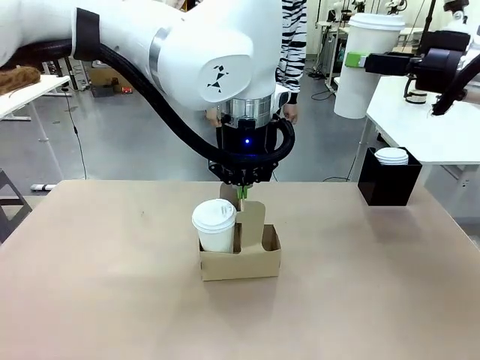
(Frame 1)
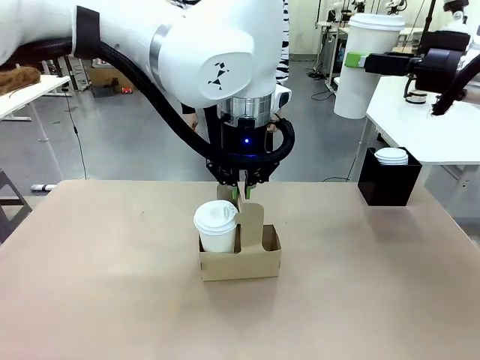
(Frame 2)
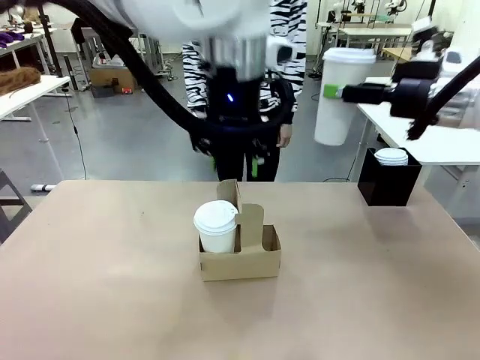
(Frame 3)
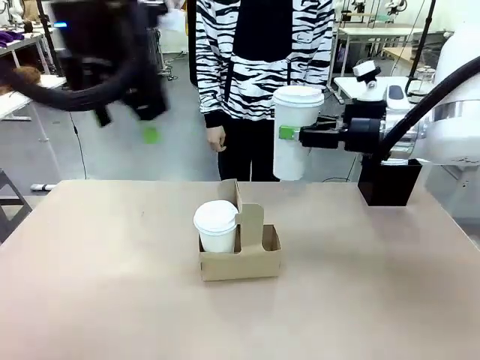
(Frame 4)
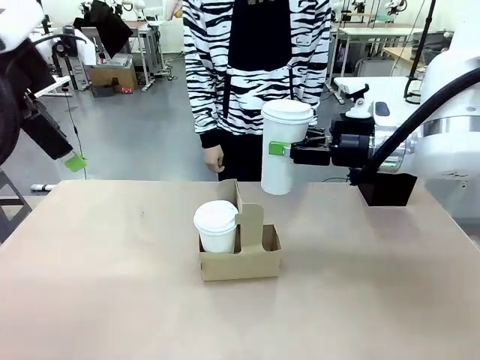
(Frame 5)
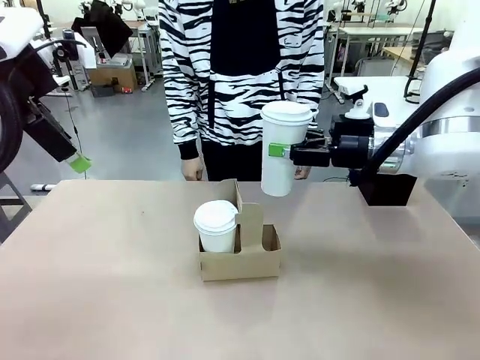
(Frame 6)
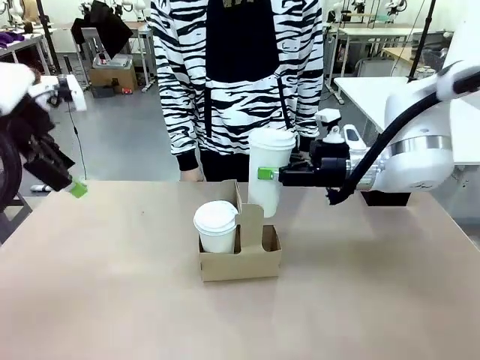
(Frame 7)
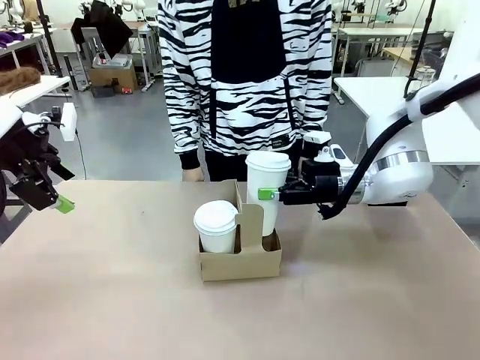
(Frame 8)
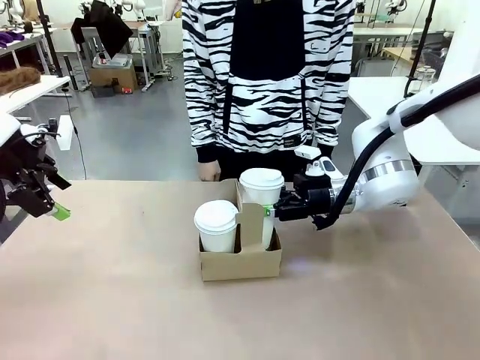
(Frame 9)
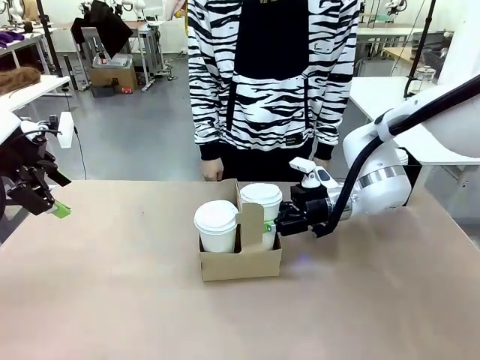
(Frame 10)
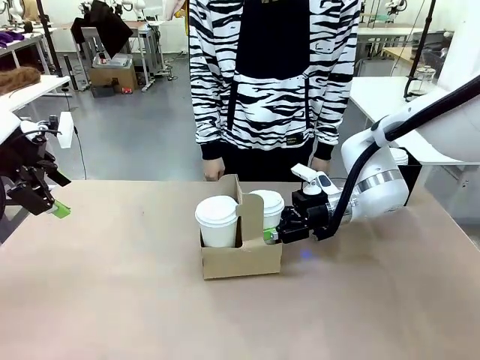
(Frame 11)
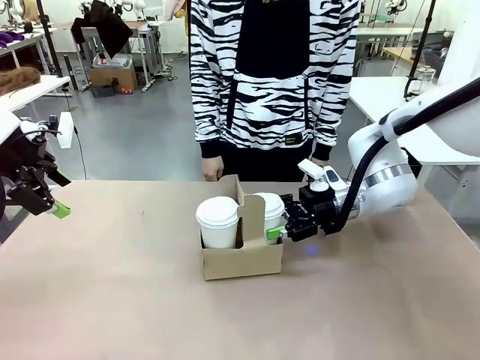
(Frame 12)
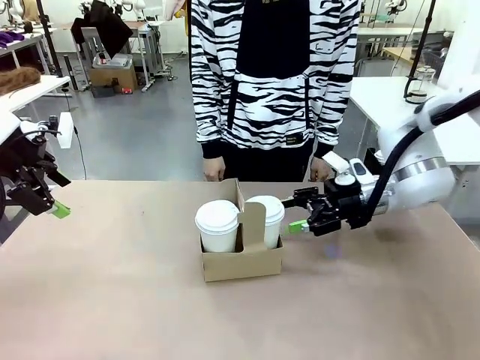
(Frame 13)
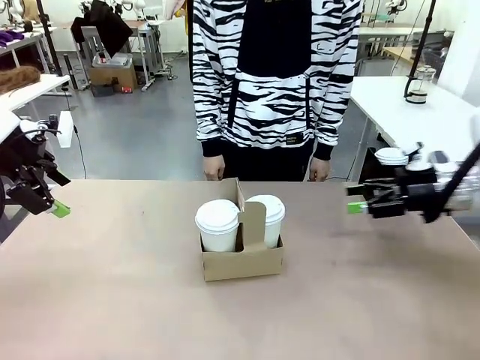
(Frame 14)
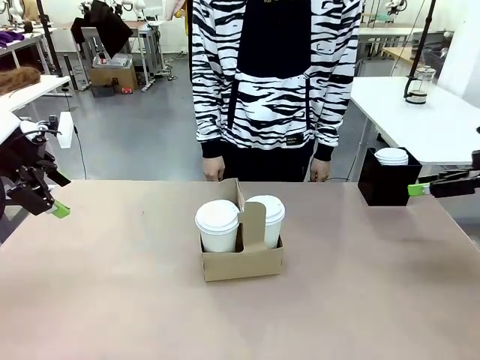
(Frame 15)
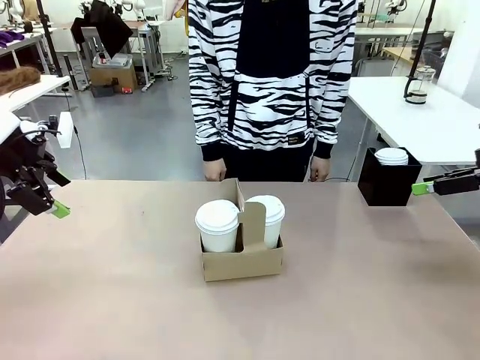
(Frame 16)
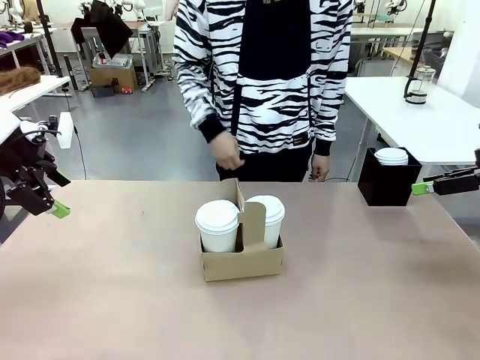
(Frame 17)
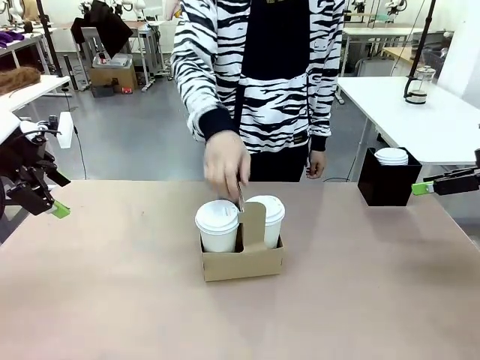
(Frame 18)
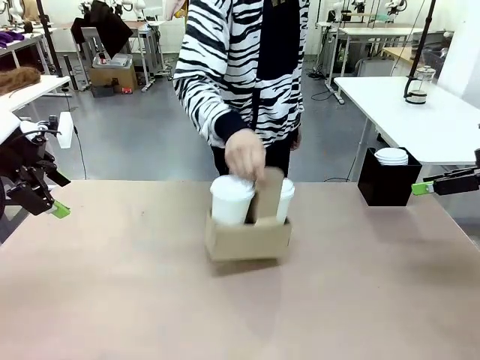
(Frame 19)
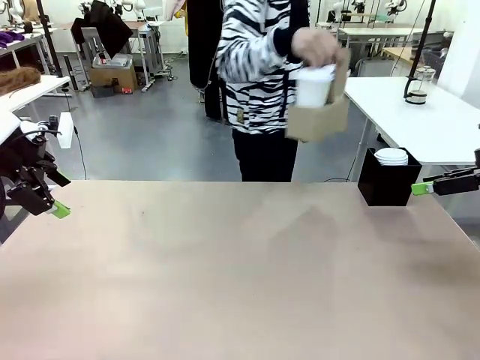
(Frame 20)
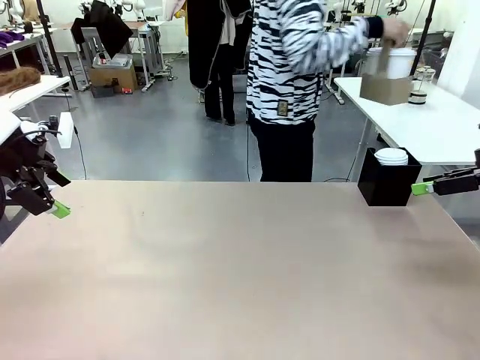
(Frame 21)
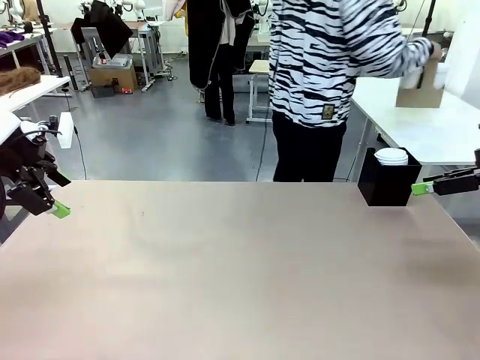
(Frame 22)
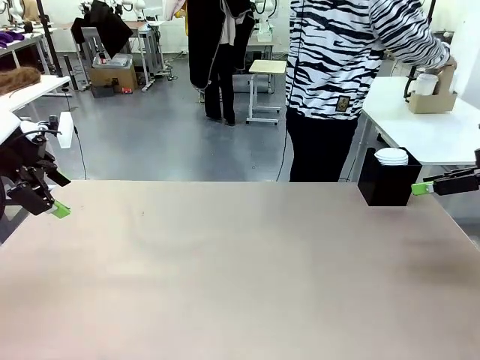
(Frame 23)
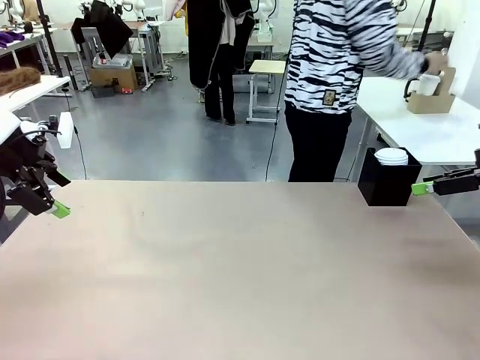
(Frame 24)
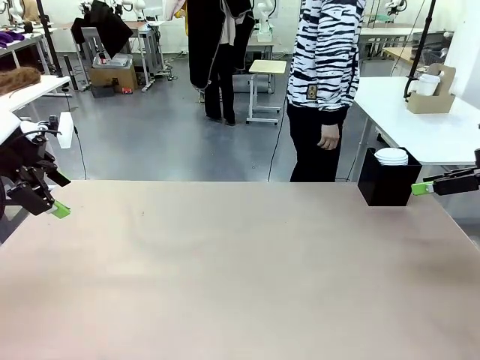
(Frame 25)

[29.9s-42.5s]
Task: Pour a drink into a cup and package it in a carrier.
Robot: Insert the held 600 ml Paper Cup into the Cup Carrier.
Person: Place the Cup Carrier to the middle of Human table.

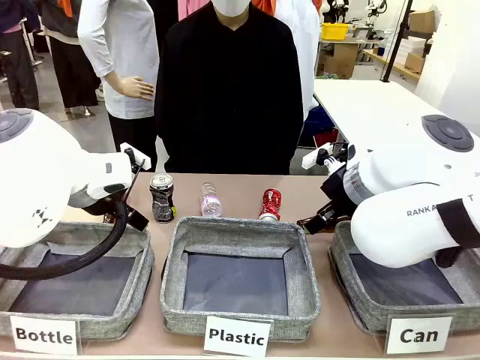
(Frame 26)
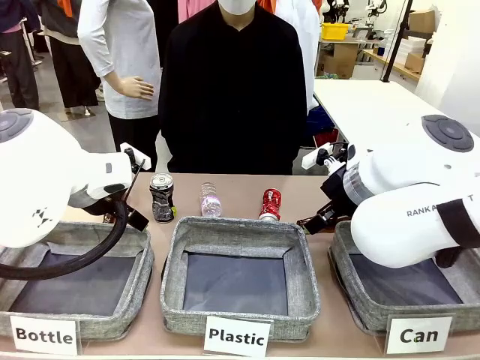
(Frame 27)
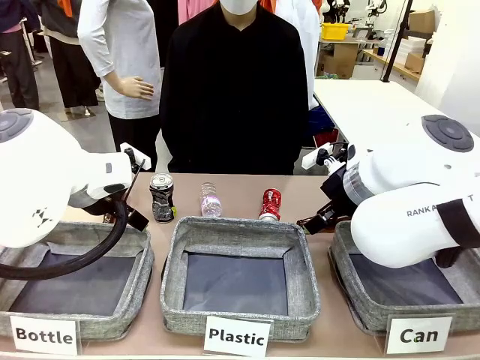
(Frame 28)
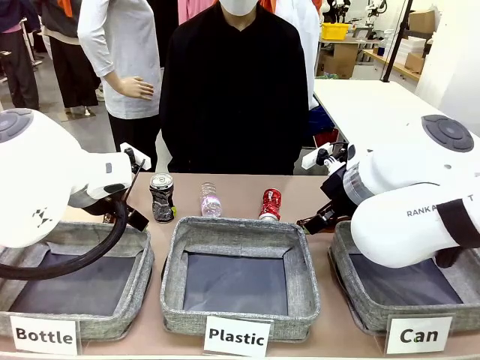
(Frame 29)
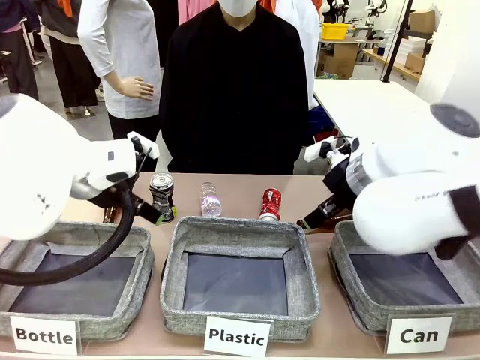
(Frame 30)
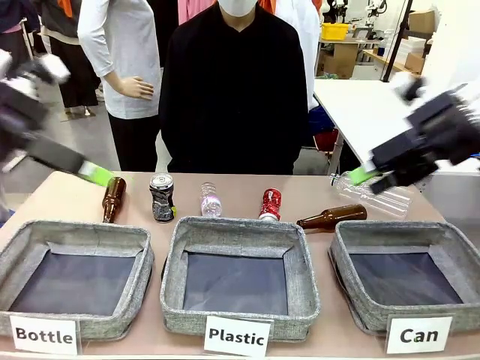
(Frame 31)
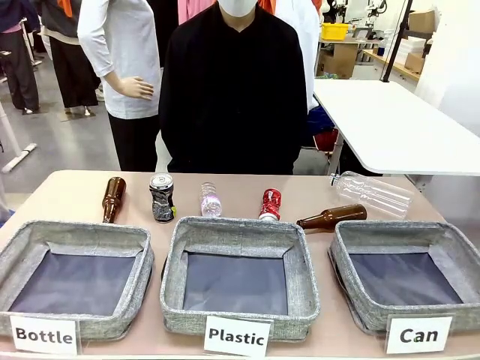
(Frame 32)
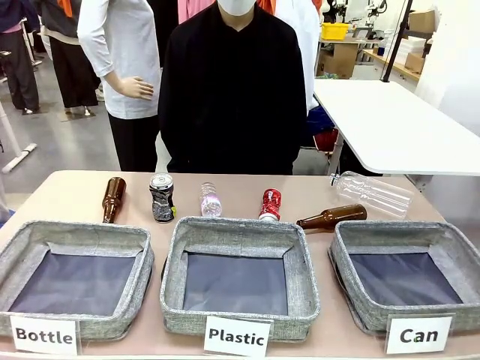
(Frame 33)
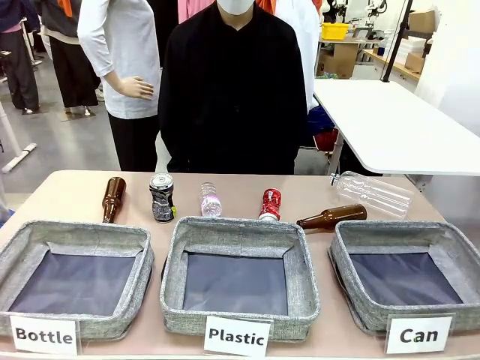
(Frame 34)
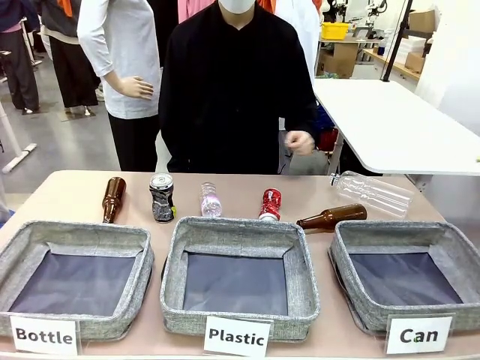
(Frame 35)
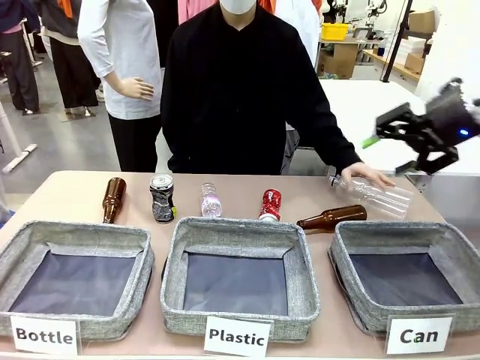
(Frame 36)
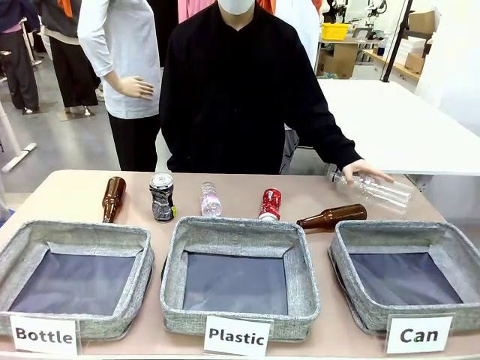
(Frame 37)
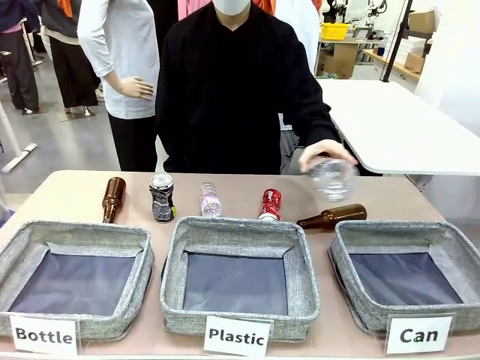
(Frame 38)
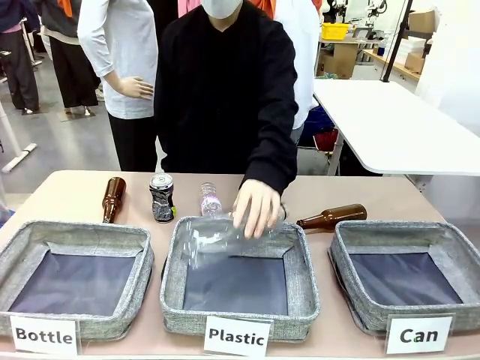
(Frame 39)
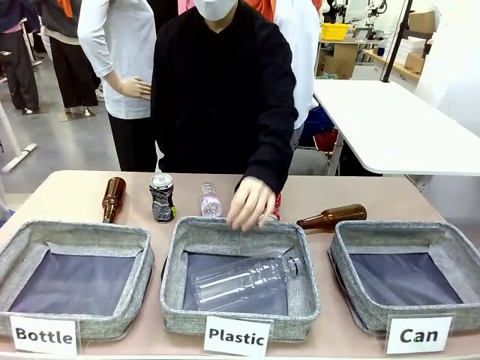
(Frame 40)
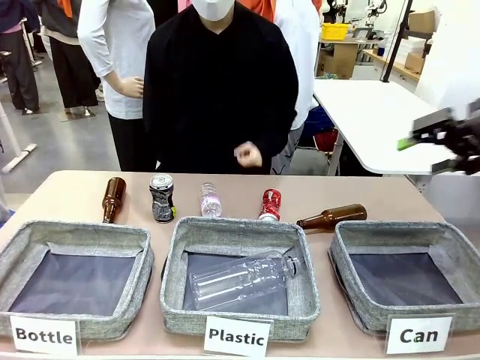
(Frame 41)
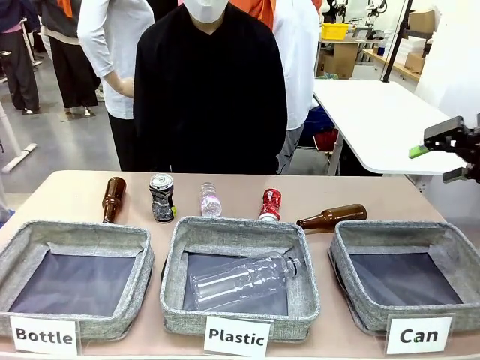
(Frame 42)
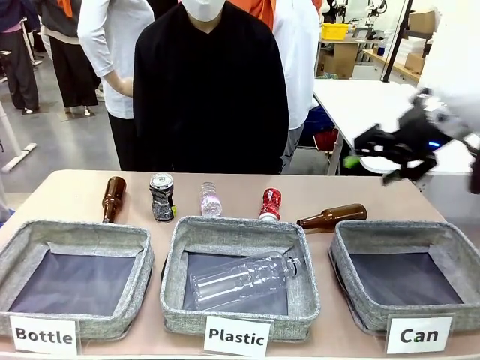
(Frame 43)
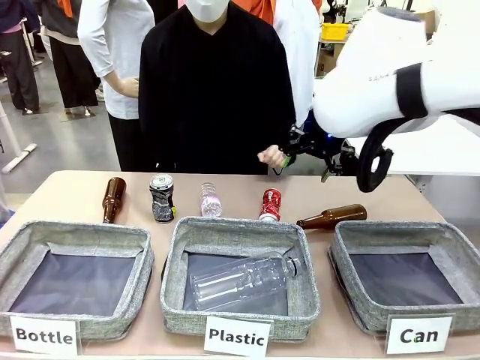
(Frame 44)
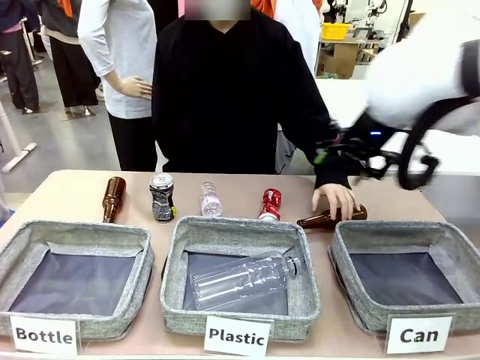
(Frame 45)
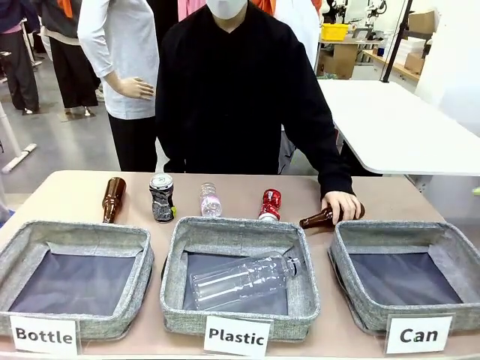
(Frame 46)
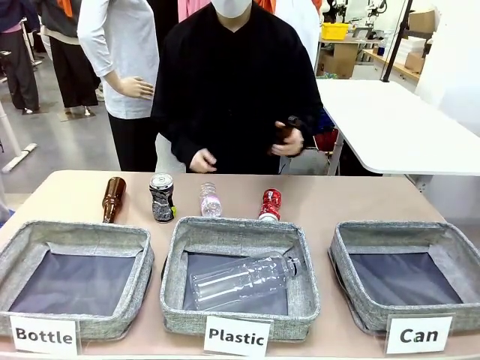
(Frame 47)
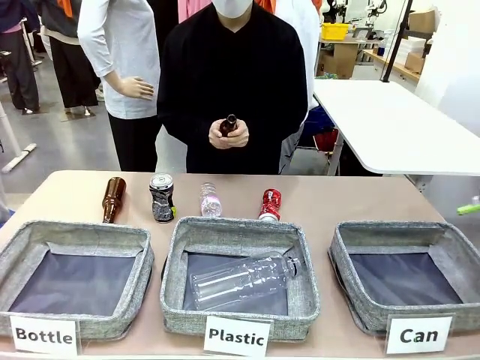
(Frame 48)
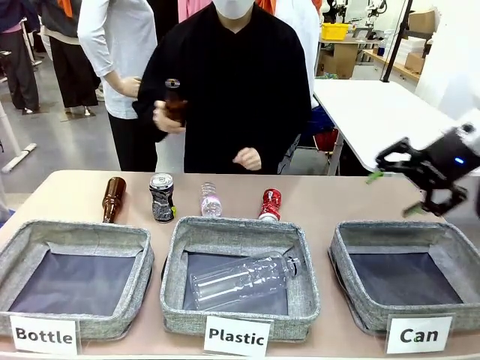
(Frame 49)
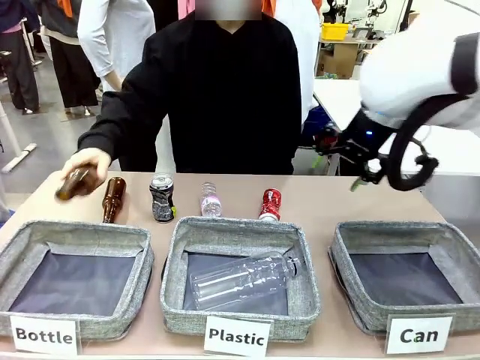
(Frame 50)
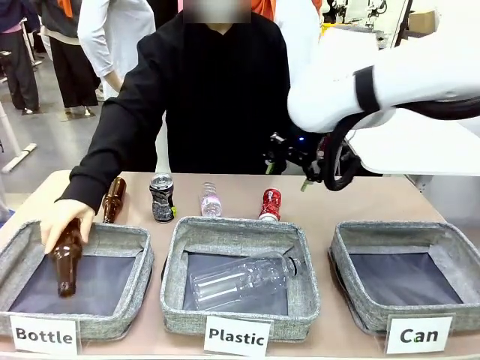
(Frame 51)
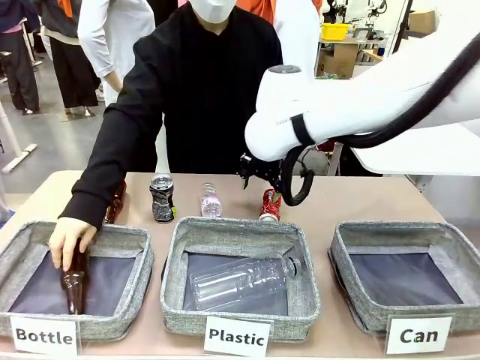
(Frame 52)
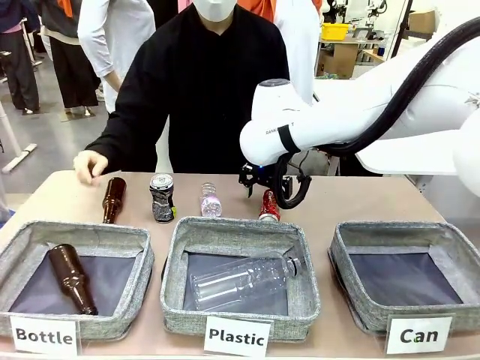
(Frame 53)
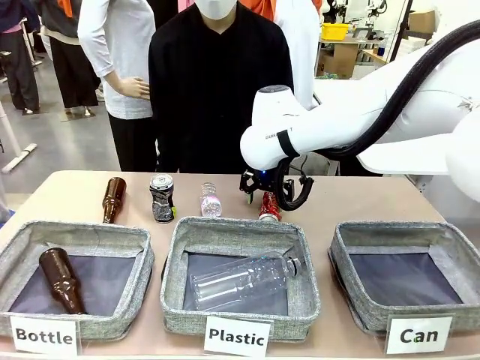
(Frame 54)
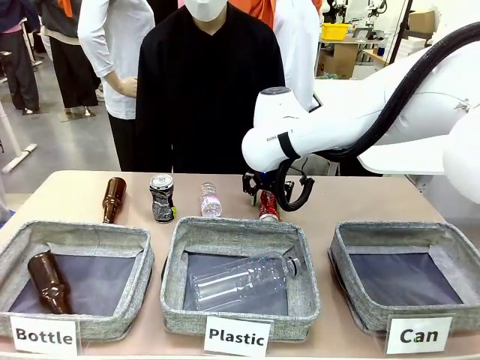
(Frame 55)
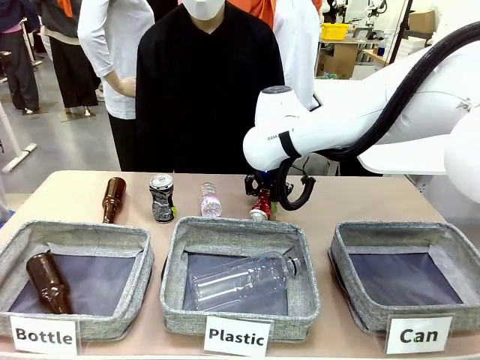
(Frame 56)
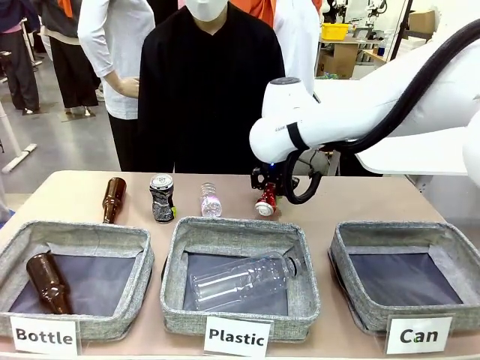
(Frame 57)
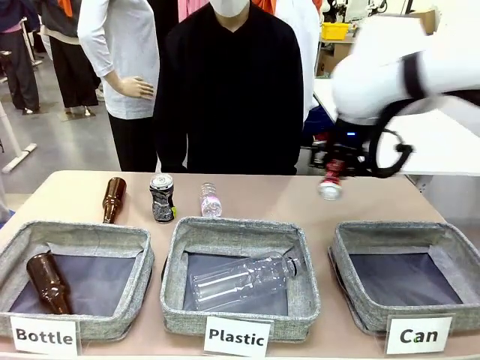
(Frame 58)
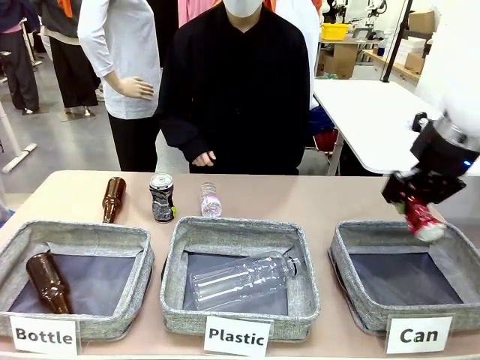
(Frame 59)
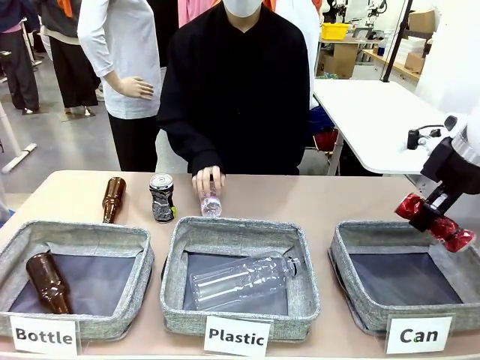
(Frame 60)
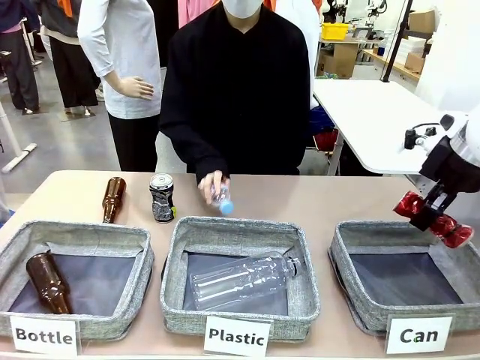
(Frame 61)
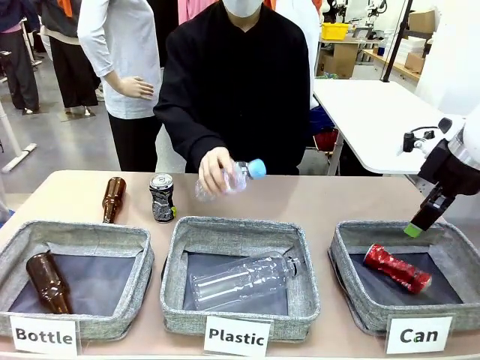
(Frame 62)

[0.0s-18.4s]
Task: Sort the can waste into the basket.
Robot: Pick up the can waste from the table and place it in the right Fabric basket.
